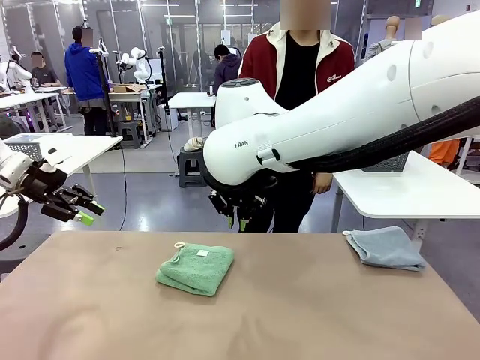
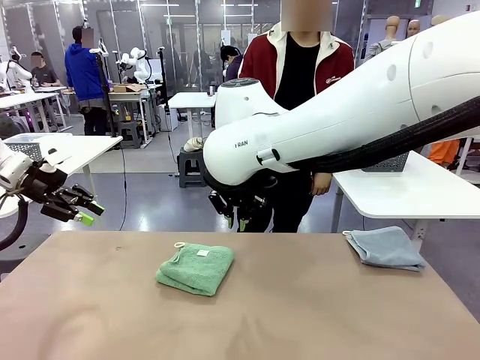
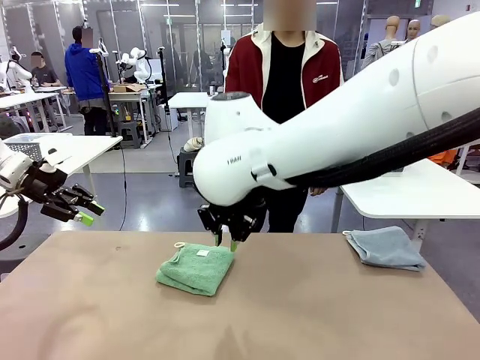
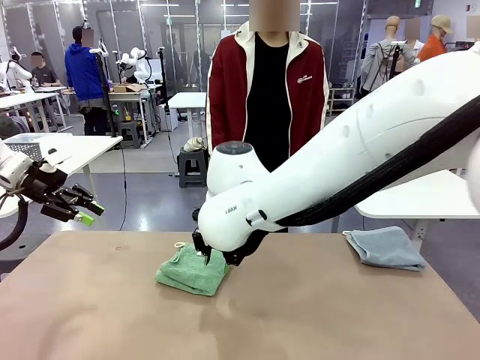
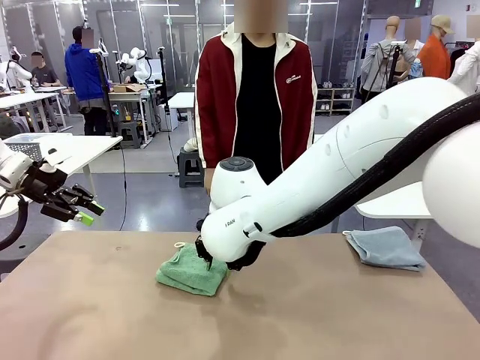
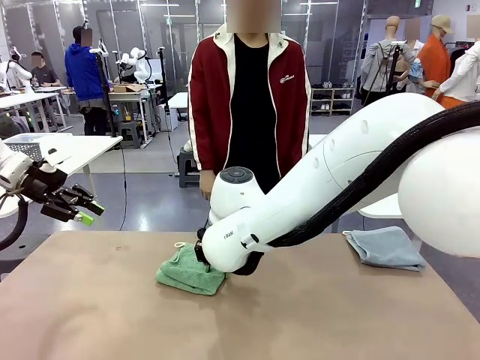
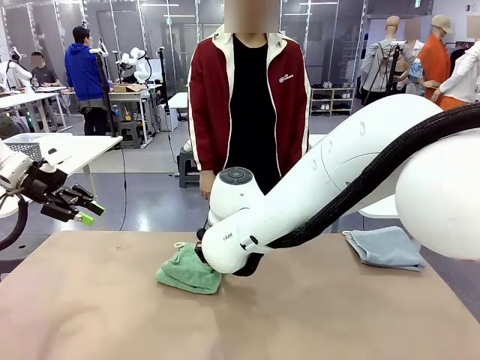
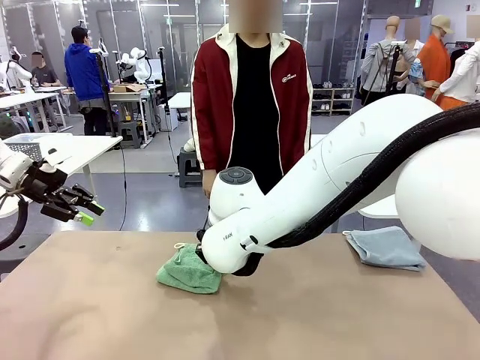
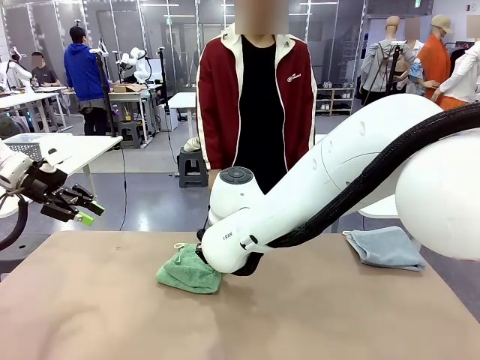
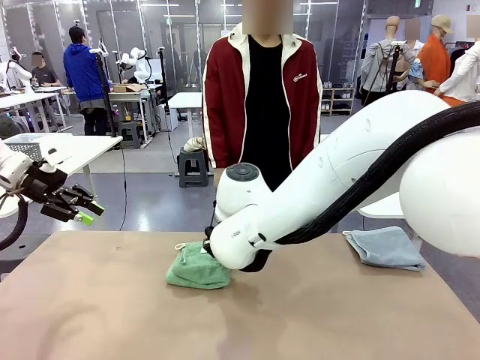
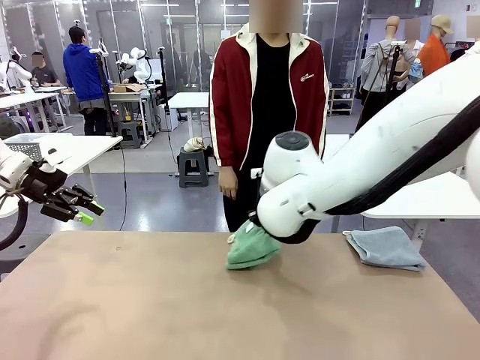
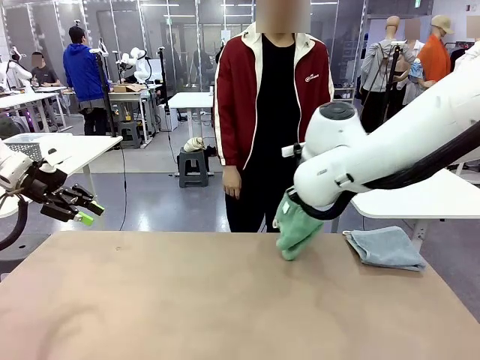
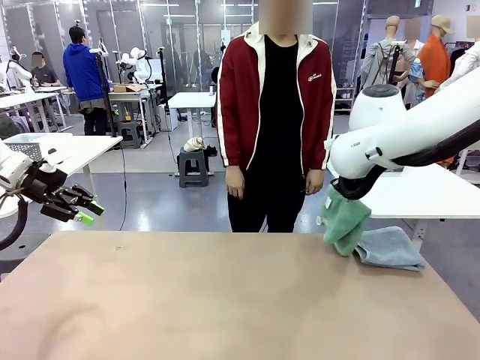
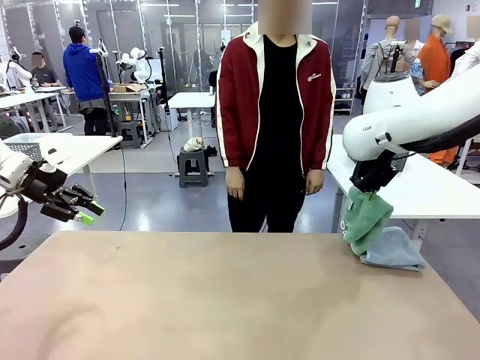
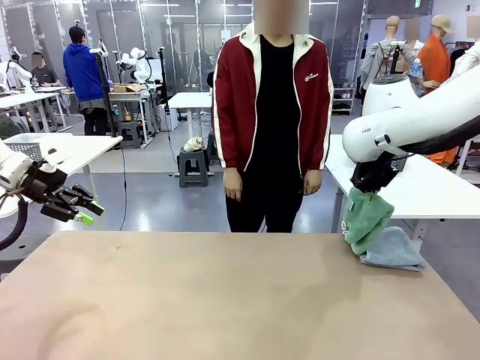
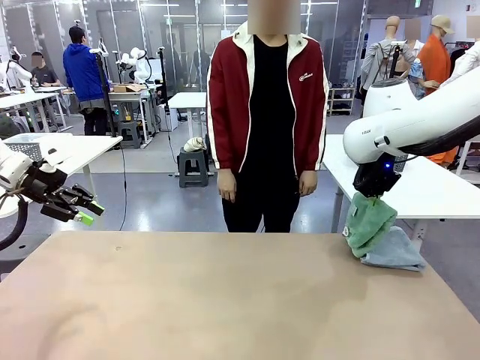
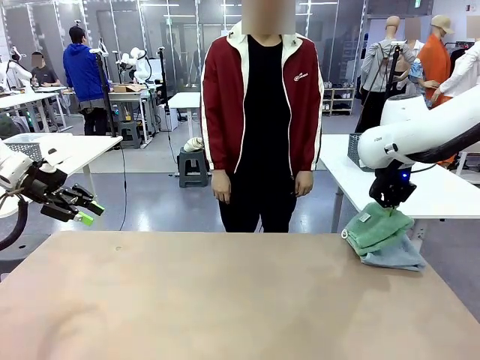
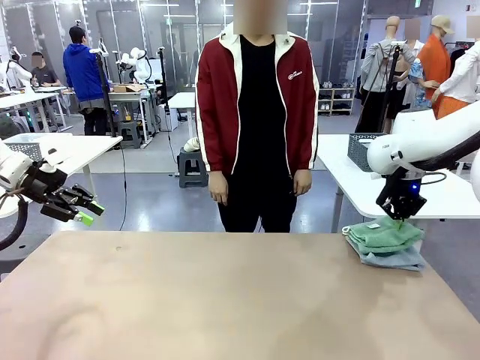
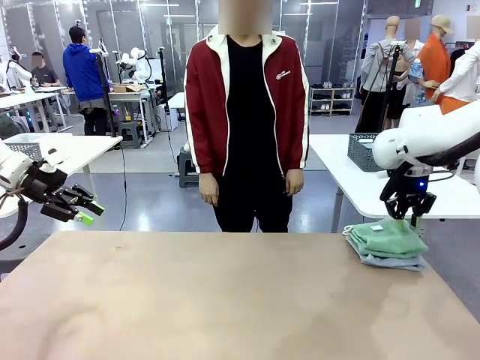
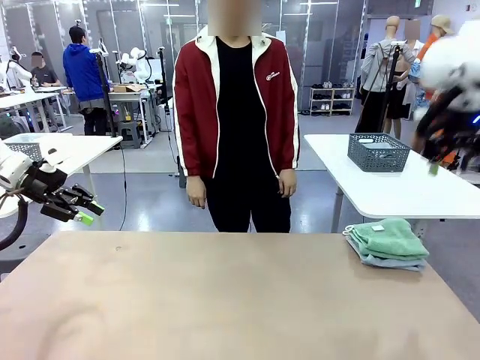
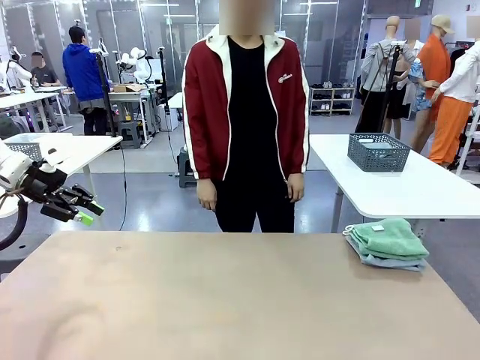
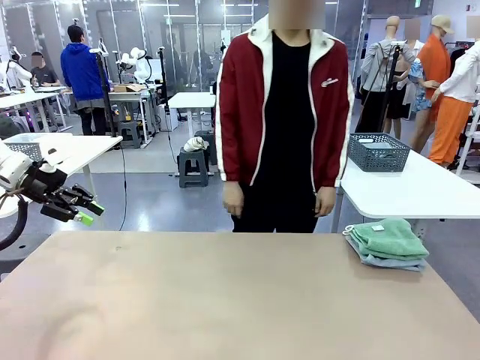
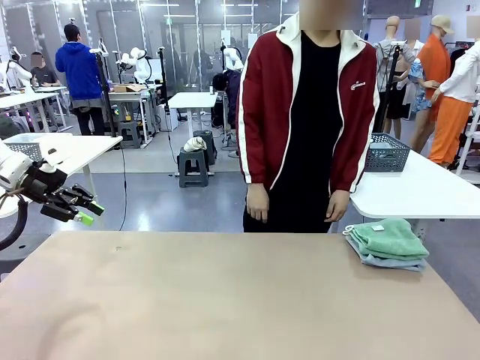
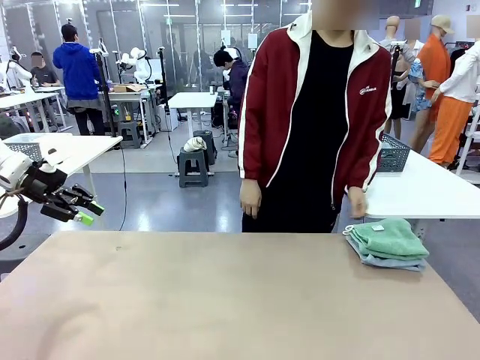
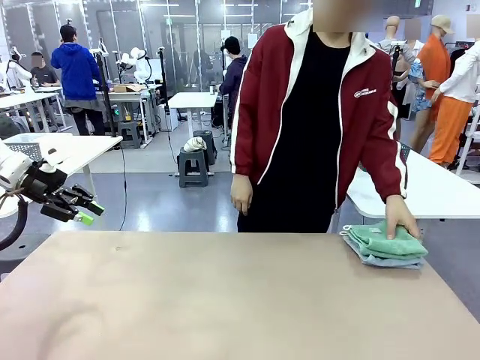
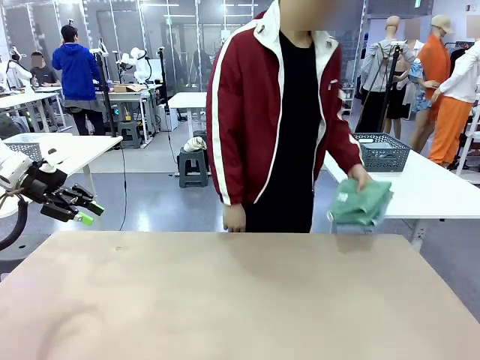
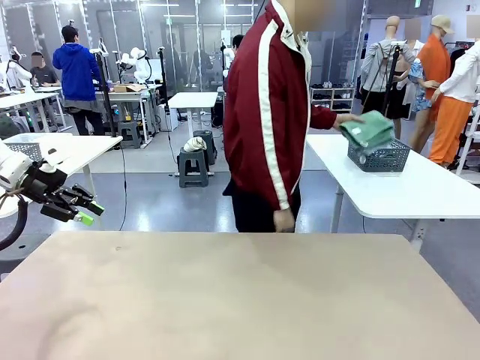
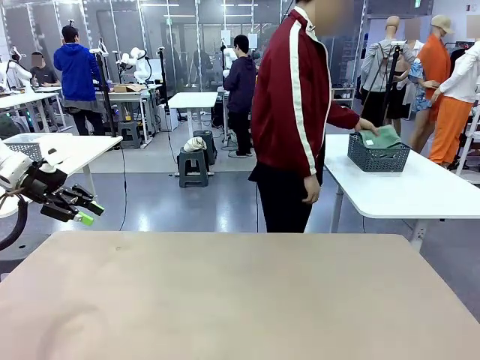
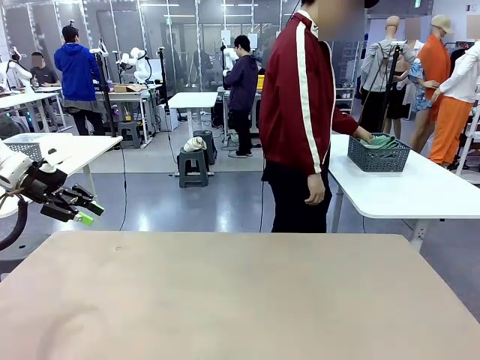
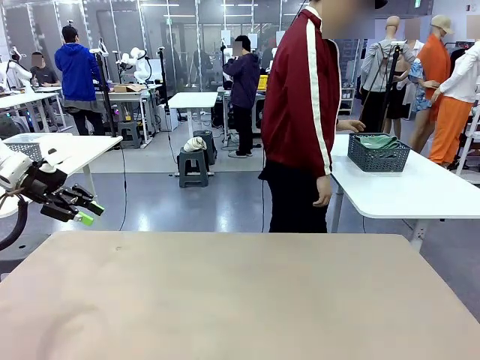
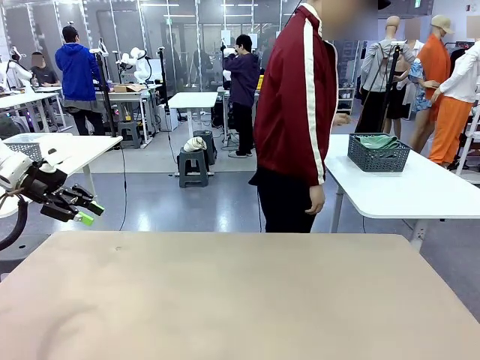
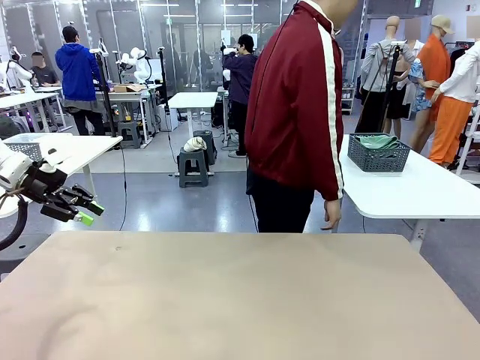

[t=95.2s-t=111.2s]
Task: Fold the towels and place them in the basket.
Robot: Stack the folded Towel with hook on the right side of the table.
Person: Pick up the stack of towels from the robot table and place it into the basket.

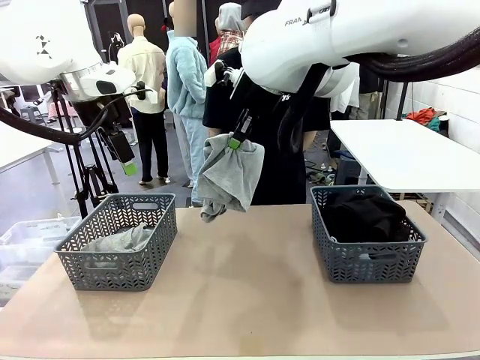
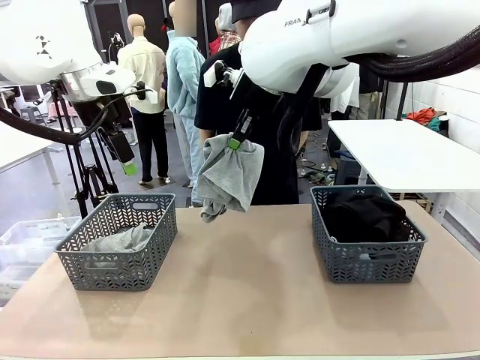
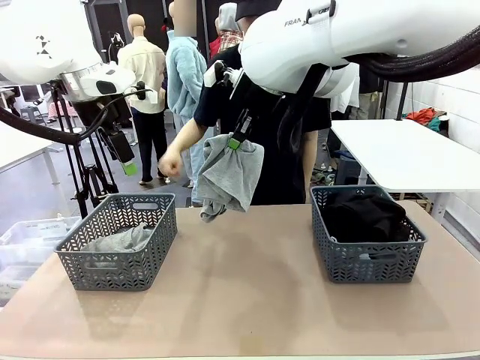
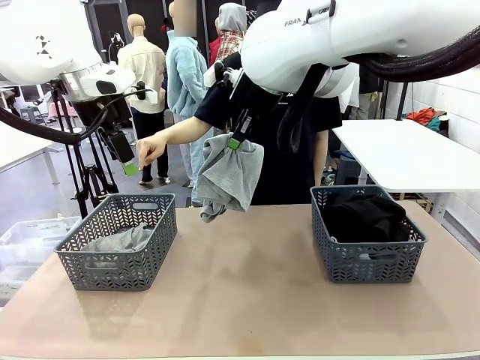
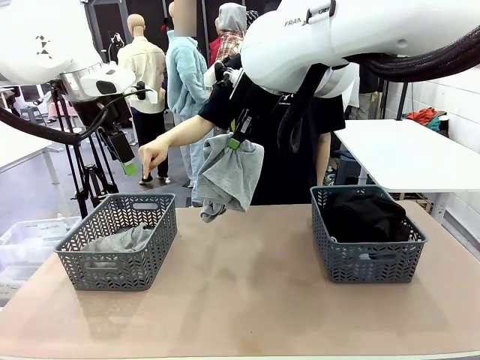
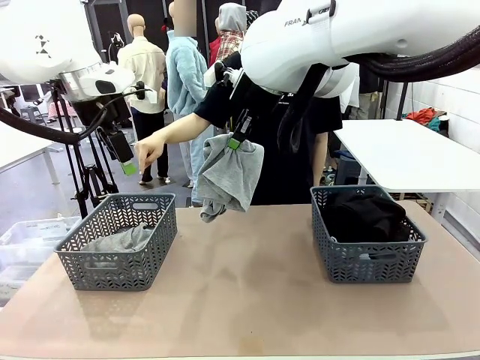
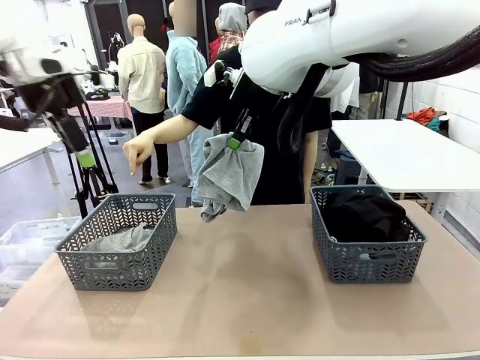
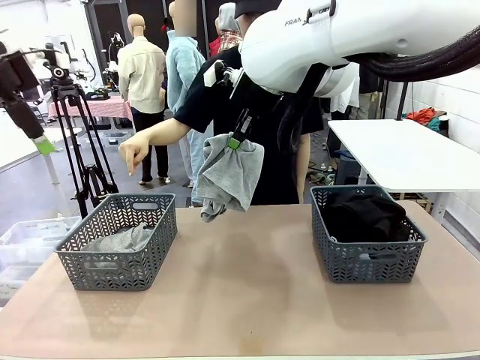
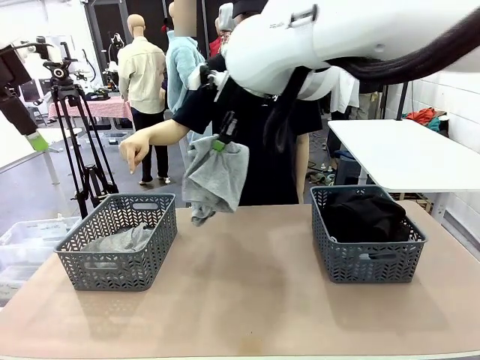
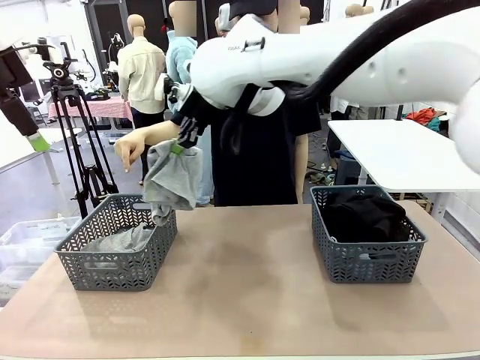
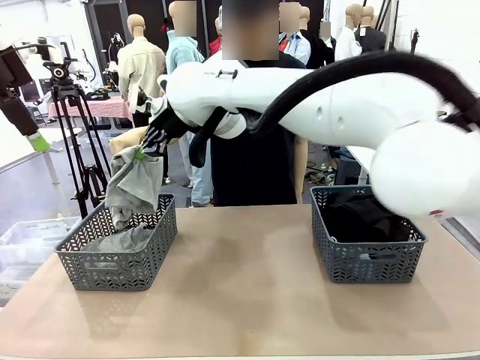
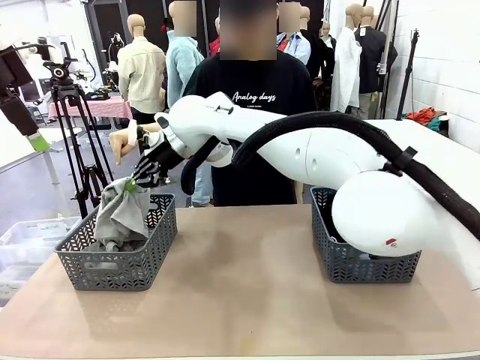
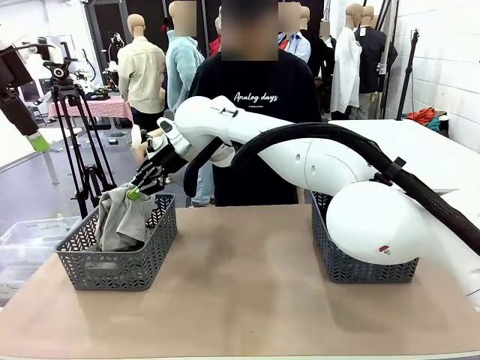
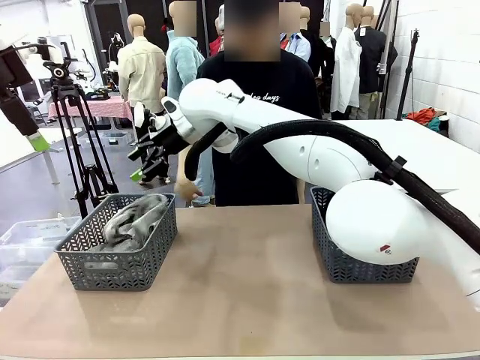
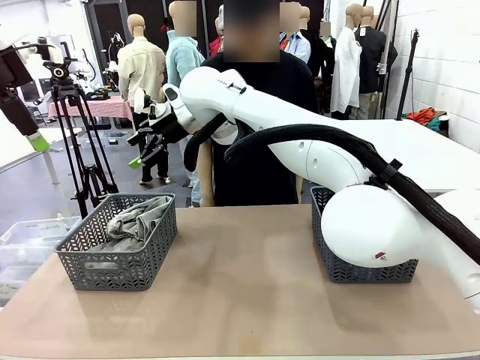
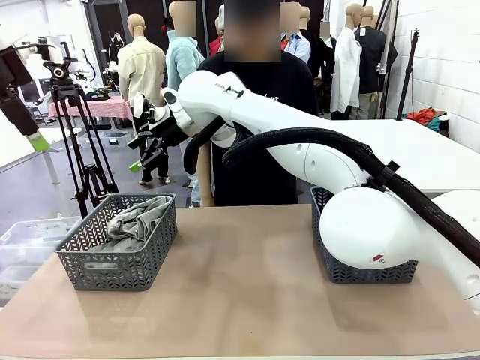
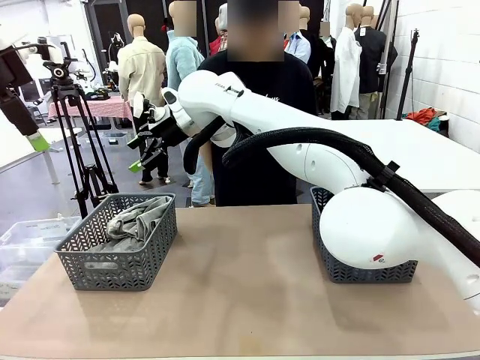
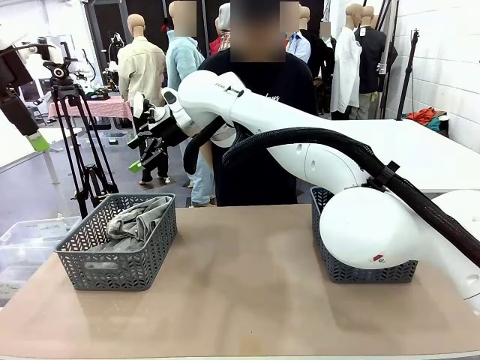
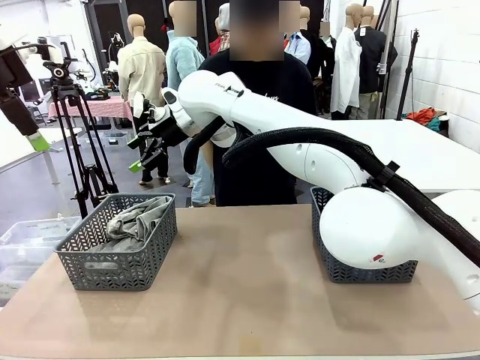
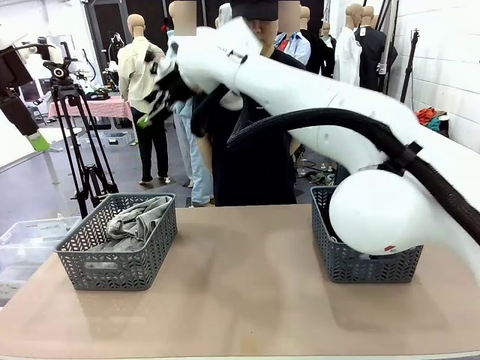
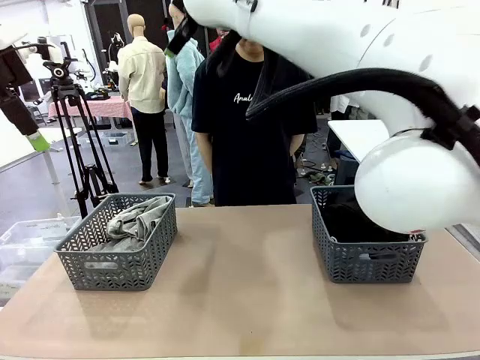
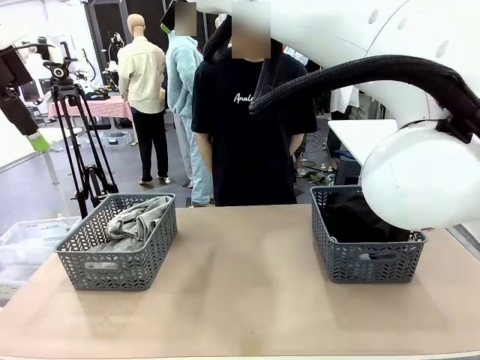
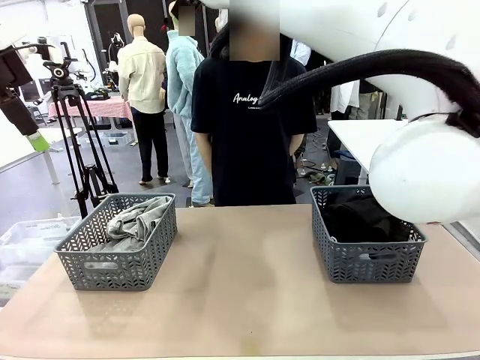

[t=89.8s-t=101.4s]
Task: Sort the tops and bottoms.
Robot: Sort the clothes according to human instructions.
